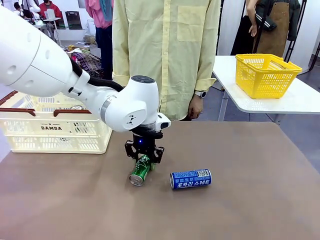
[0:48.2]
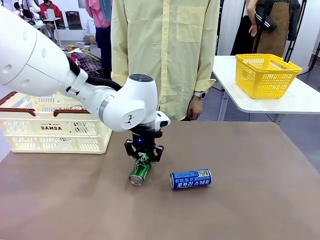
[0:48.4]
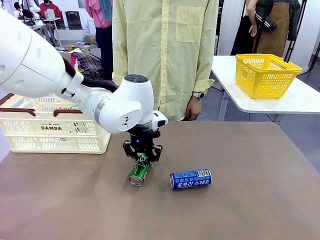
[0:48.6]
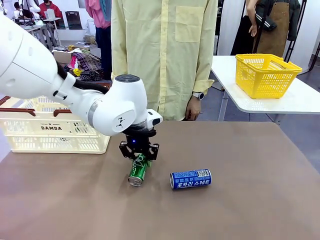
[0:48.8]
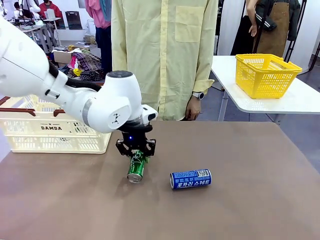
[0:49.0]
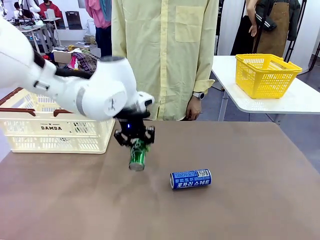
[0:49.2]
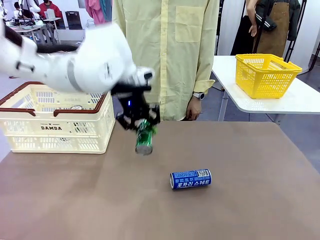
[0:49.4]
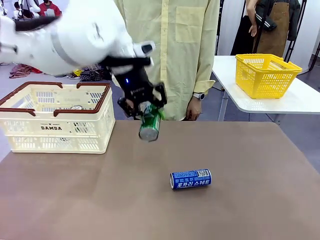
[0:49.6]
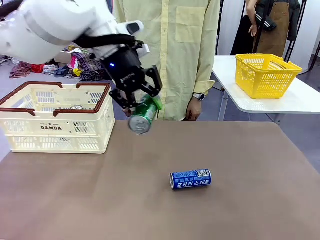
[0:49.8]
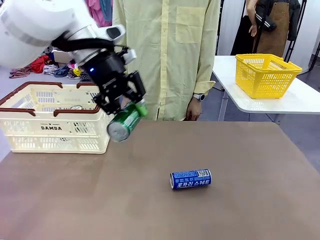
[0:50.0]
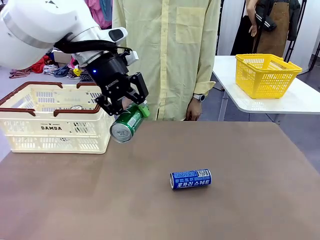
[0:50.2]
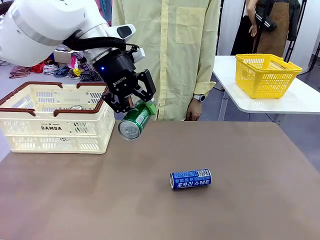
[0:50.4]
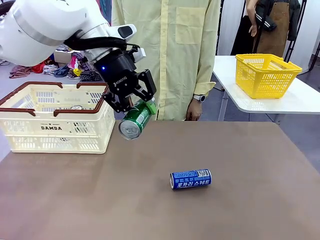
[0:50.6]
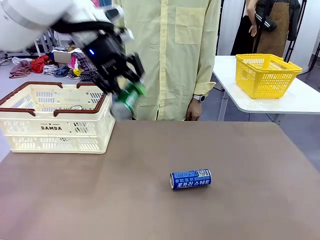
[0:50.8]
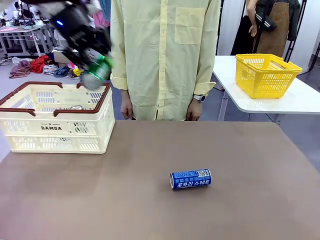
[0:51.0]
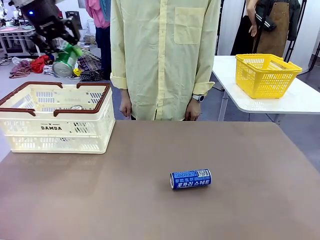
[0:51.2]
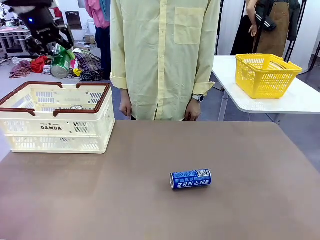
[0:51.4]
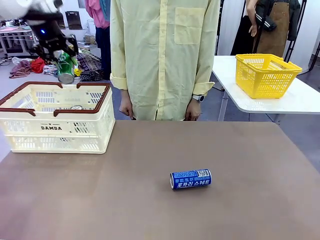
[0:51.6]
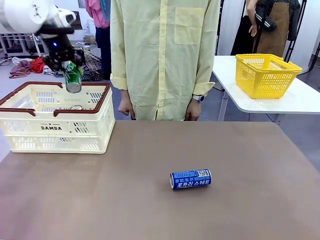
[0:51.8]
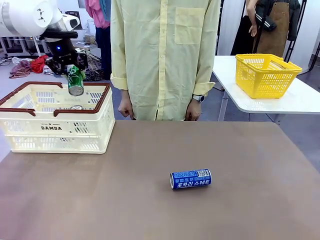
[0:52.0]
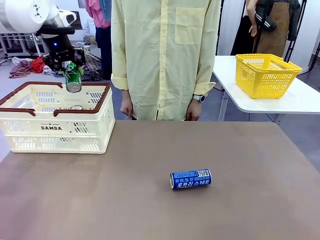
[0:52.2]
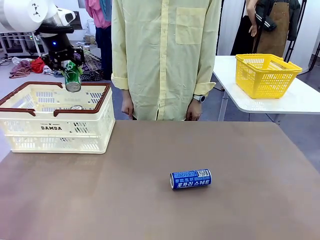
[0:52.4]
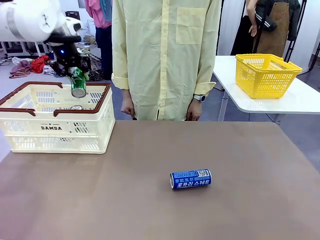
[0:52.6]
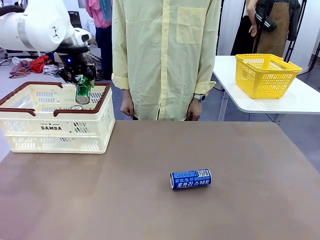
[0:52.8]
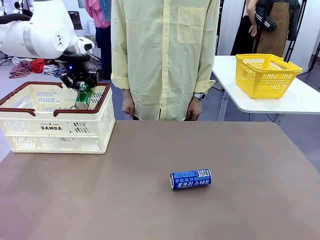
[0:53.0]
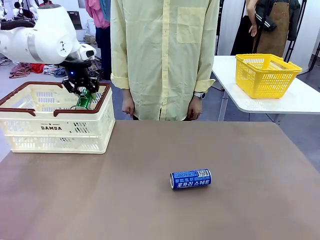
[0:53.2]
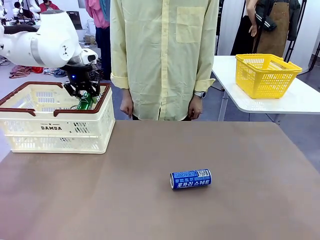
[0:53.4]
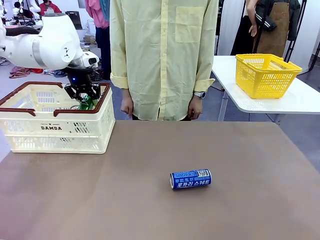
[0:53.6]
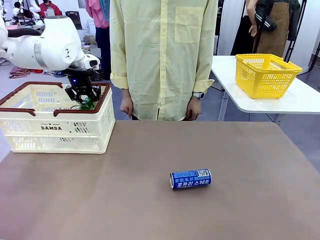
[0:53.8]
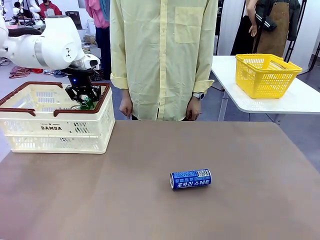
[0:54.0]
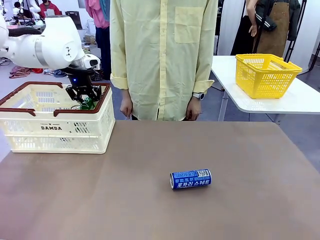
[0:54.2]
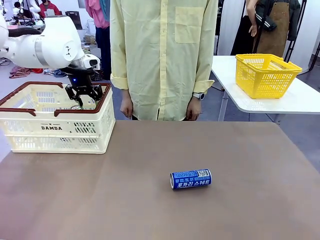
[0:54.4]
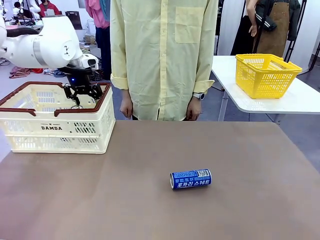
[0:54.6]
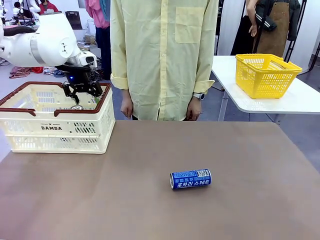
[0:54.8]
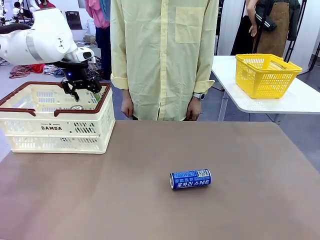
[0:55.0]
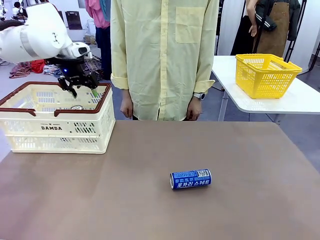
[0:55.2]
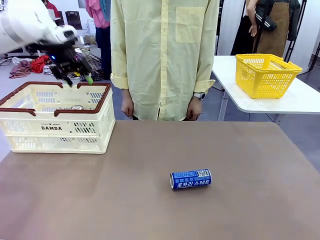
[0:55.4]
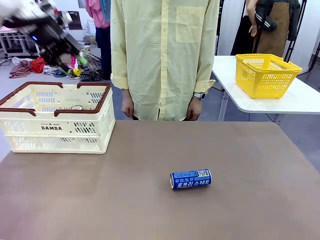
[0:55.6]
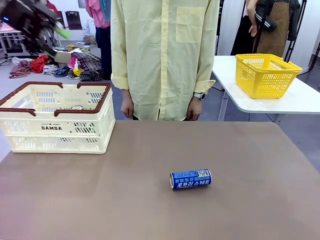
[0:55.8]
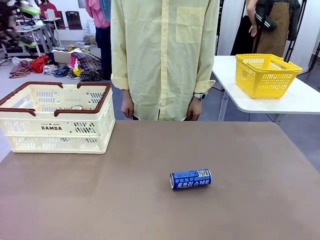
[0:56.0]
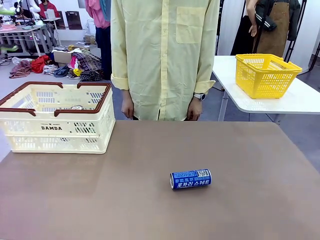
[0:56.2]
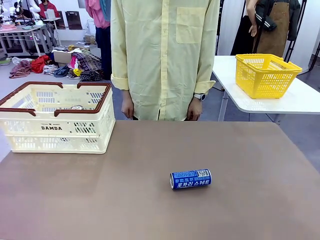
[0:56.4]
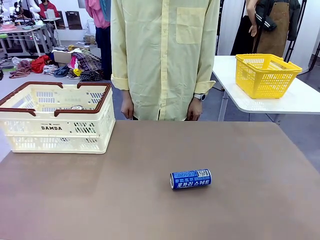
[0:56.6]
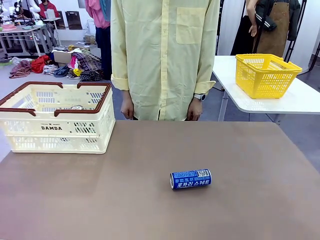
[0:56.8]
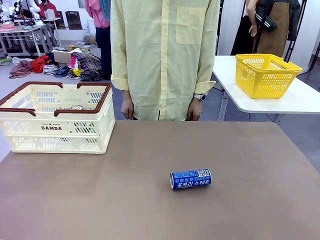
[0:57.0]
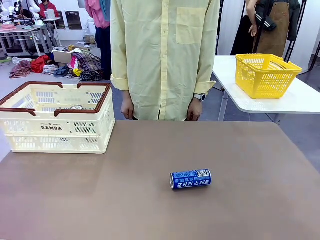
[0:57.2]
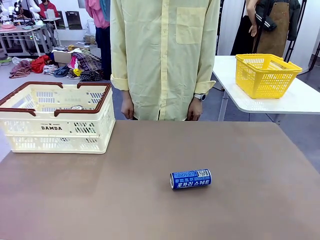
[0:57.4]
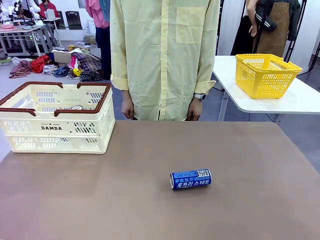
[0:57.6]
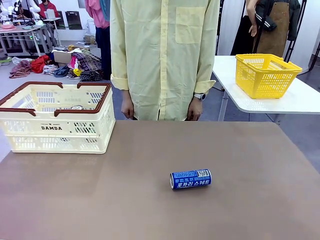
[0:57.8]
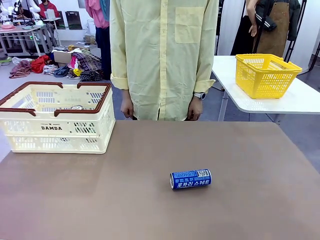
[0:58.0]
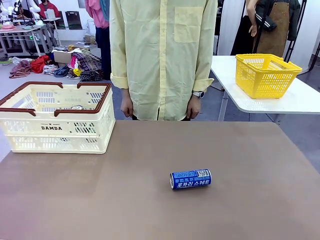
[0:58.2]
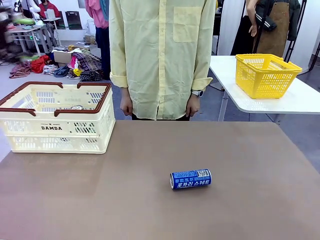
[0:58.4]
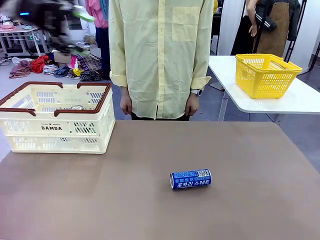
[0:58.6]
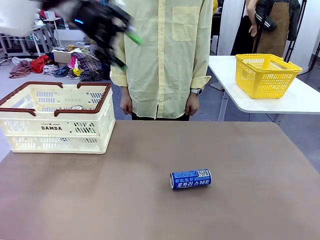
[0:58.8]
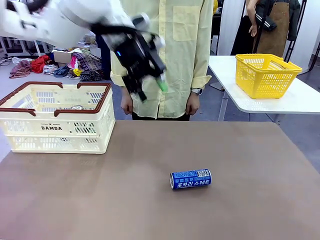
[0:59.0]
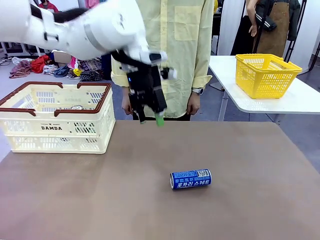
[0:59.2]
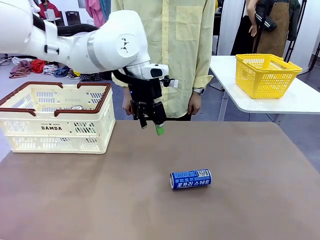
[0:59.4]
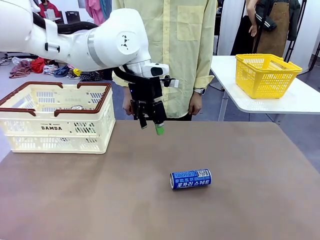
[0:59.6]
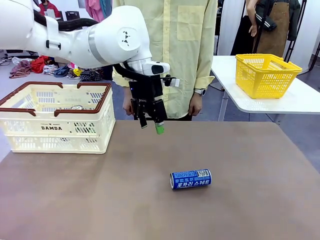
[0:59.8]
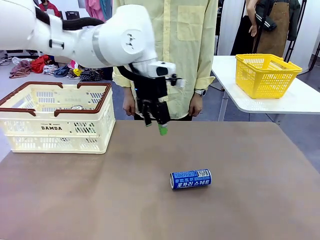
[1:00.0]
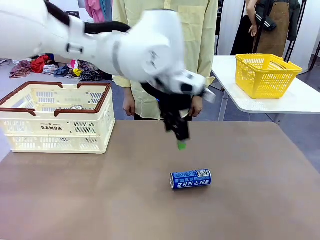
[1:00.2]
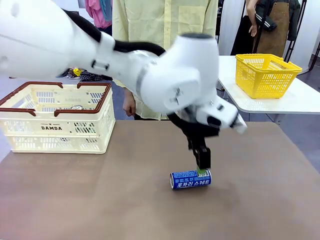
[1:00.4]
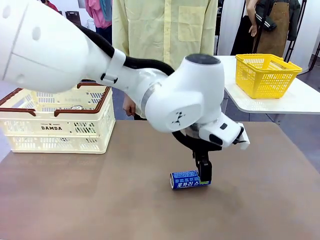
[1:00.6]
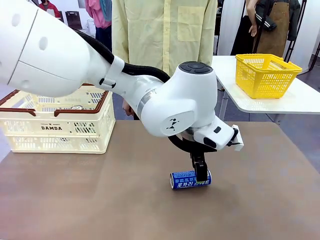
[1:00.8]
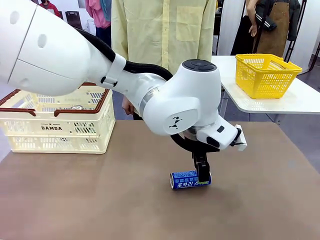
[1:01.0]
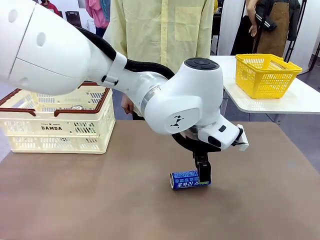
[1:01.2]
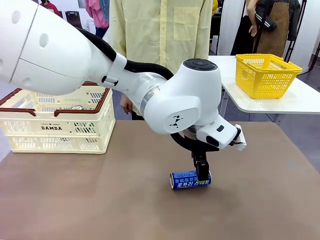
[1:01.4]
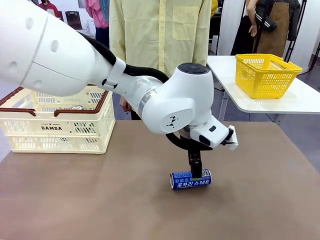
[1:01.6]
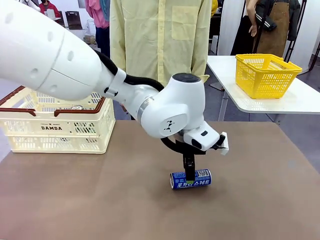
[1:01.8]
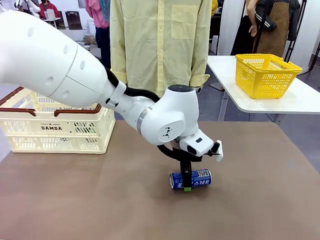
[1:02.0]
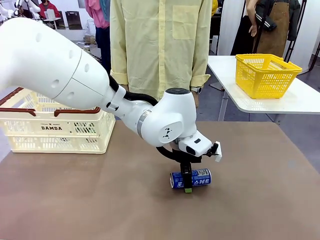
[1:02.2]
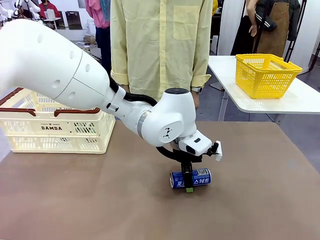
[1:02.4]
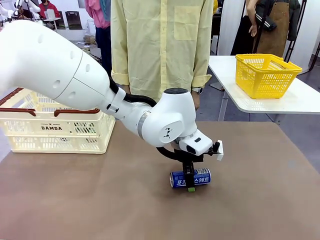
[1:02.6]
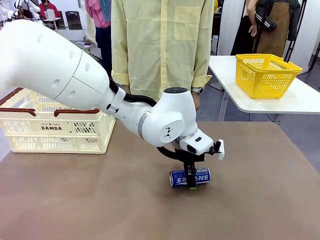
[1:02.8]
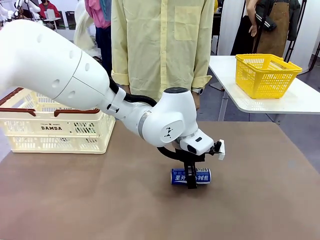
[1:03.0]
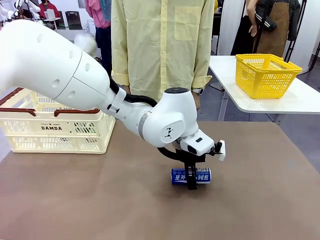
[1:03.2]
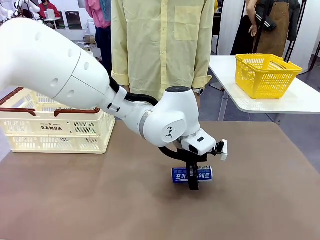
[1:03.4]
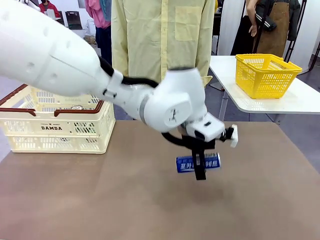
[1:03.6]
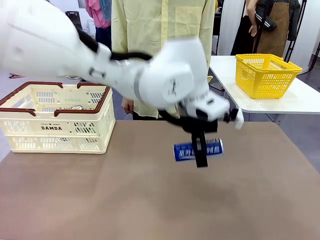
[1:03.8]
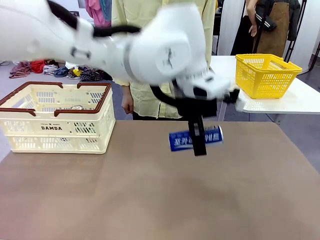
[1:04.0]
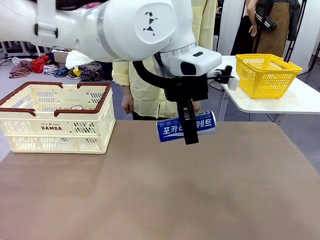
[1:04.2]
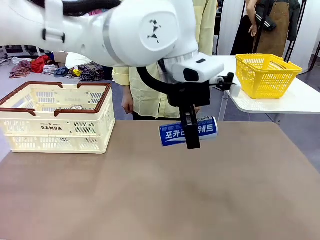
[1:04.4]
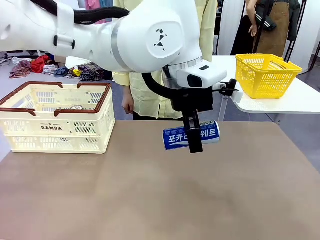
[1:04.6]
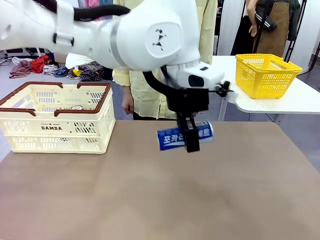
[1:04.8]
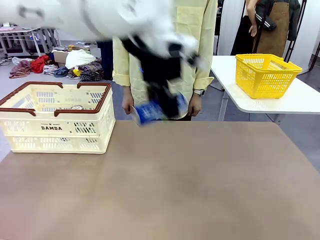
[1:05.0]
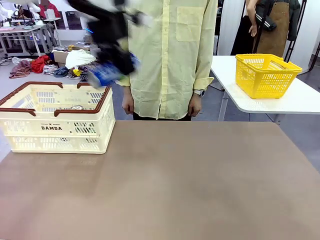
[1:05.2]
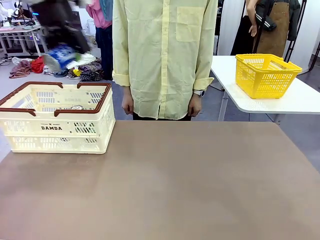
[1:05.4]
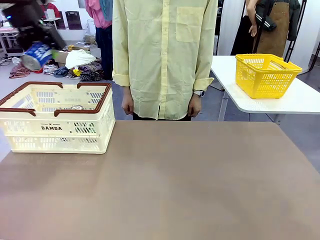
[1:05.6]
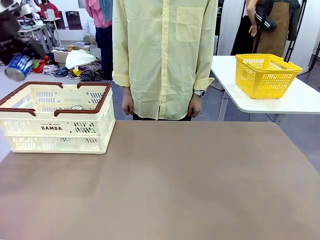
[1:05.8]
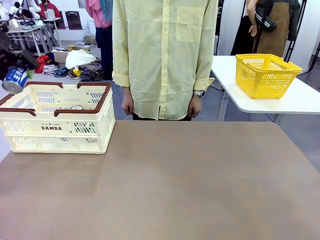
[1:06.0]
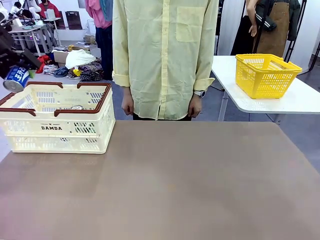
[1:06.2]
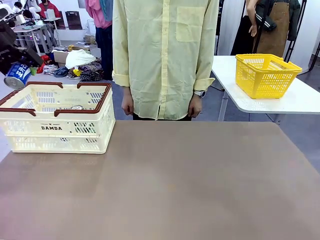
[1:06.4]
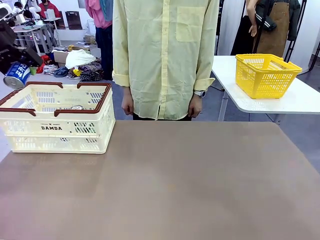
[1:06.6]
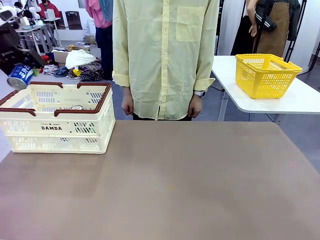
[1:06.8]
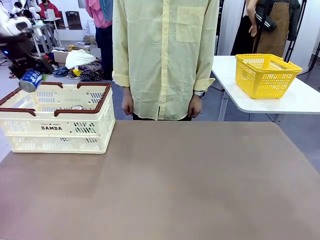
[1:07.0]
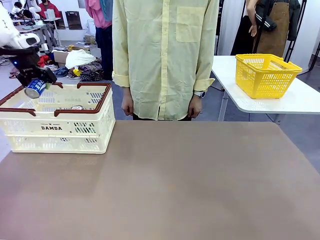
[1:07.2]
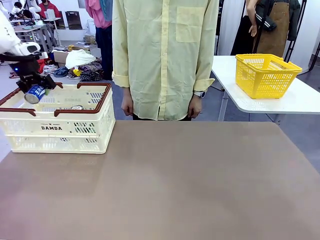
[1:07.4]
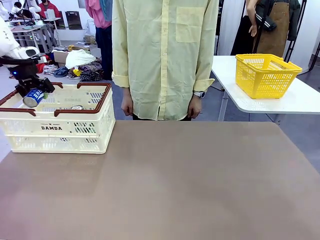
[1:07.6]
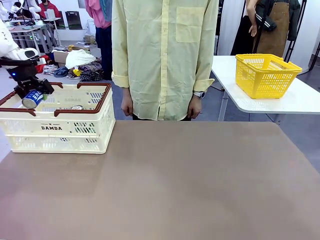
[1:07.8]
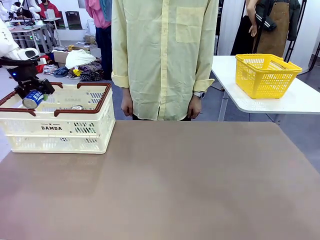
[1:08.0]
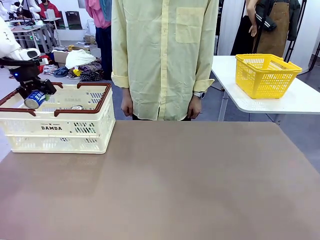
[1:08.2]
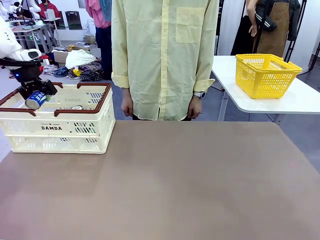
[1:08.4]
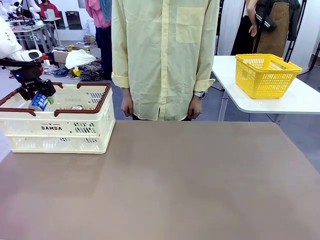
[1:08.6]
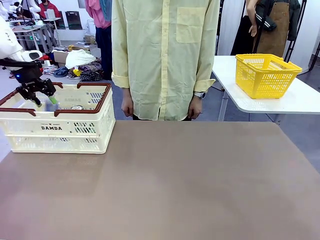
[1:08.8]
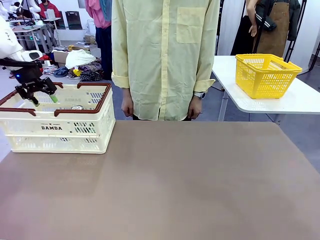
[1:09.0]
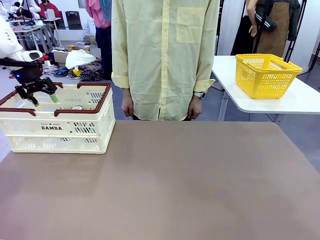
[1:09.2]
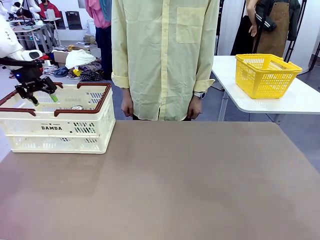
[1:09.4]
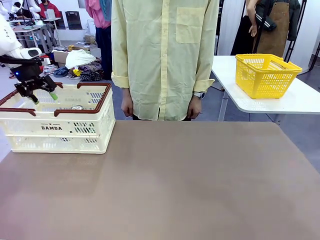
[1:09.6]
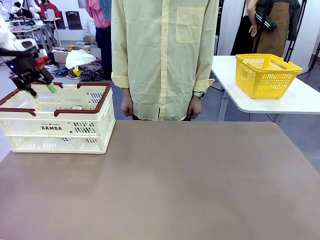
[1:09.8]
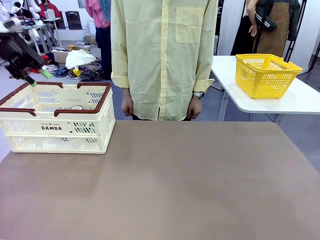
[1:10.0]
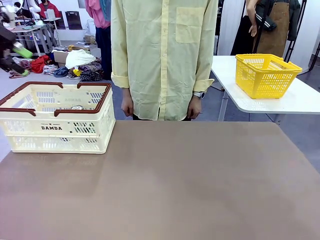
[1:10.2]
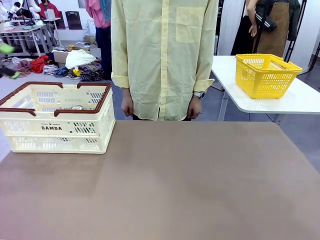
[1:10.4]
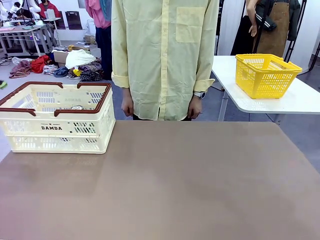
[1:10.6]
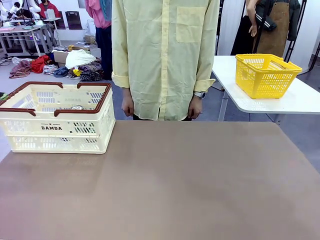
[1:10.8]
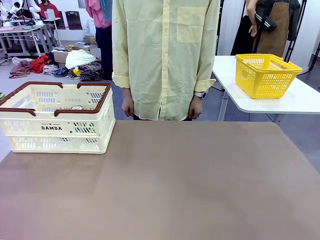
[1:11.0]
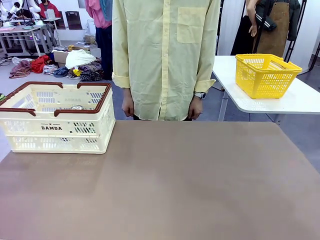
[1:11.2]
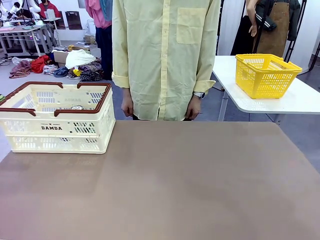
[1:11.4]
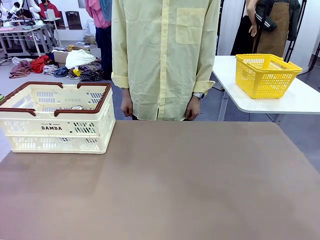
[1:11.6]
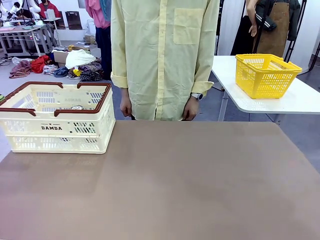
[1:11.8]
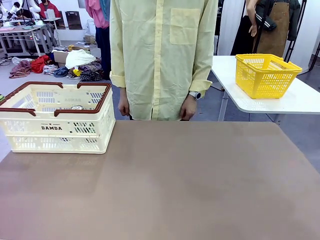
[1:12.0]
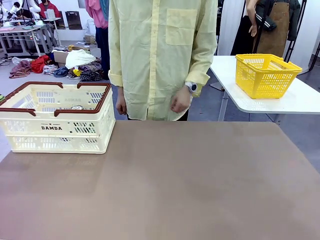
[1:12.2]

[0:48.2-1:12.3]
Task: Place the drinks into the Shopping basket.
Robot: Pick up one drink and place it into the Shopping basket.
